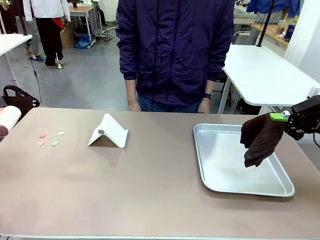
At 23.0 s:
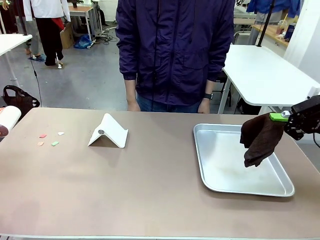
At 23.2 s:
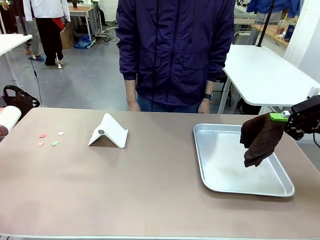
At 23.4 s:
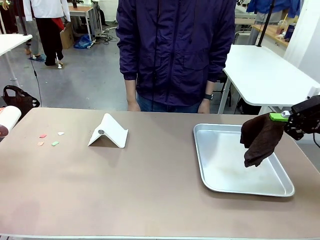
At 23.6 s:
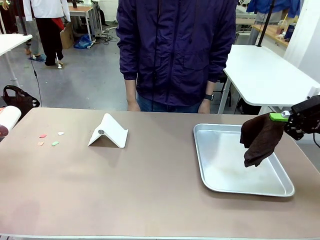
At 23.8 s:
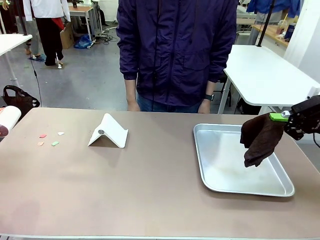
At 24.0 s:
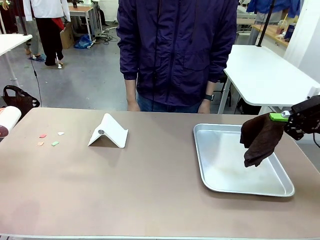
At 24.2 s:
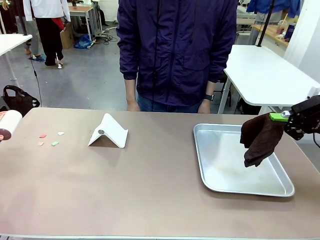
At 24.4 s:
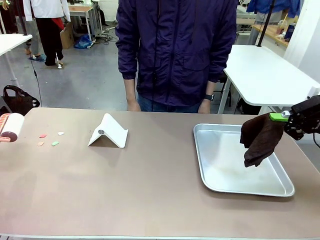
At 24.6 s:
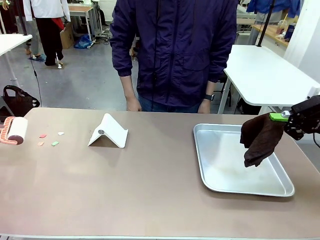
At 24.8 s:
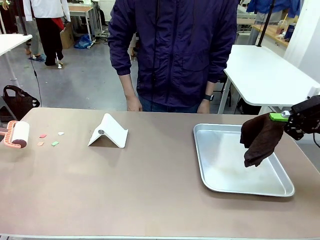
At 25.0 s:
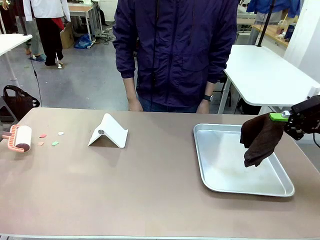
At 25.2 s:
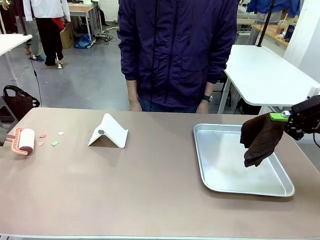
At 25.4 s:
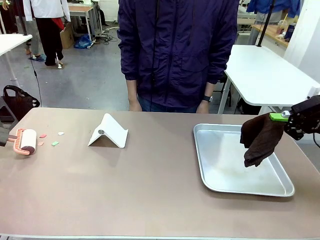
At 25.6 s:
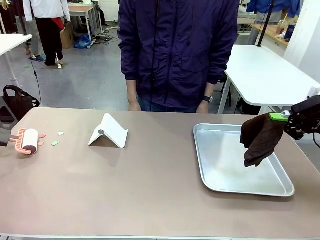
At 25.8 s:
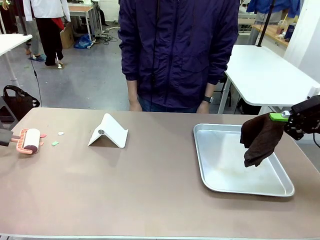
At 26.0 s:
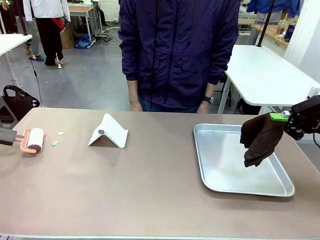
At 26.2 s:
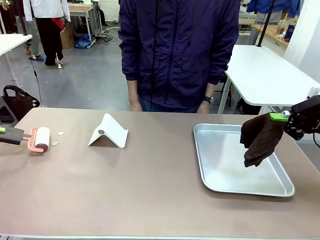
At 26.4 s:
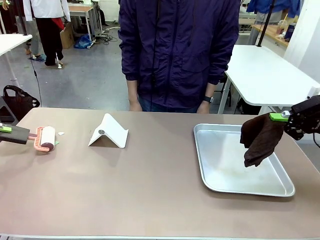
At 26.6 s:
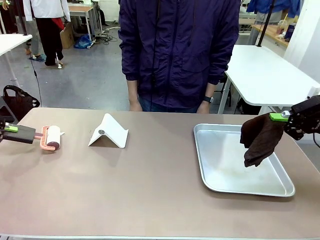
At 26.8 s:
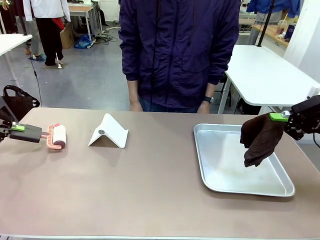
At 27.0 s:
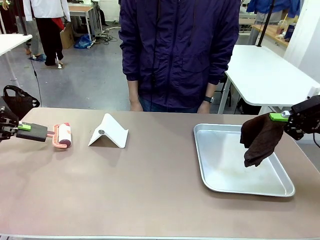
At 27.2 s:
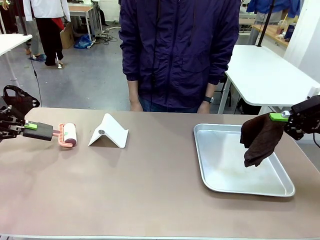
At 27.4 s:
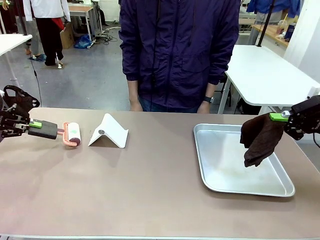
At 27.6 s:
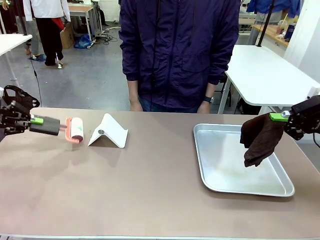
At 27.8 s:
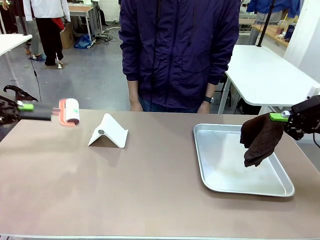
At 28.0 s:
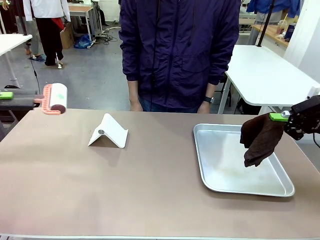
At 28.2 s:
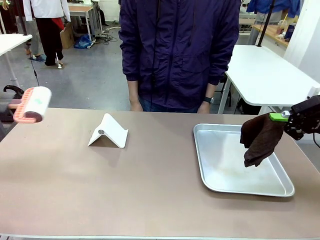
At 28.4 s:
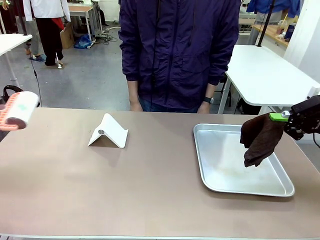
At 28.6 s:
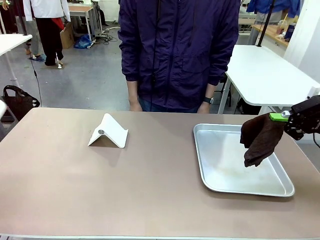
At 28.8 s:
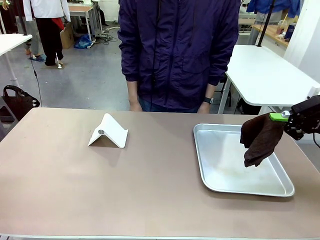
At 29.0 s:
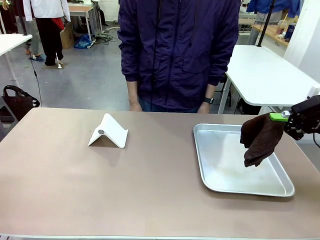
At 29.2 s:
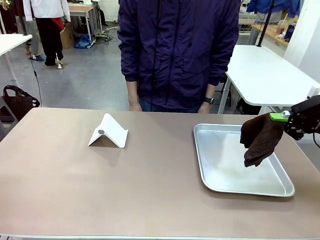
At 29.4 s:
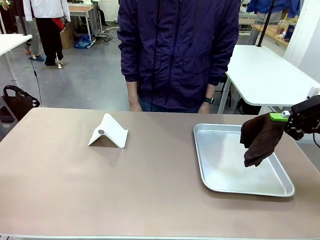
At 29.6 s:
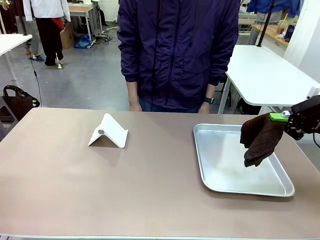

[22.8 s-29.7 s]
Task: Clean the surface of the table.
Robot: Clean the area not pointed to by the person.

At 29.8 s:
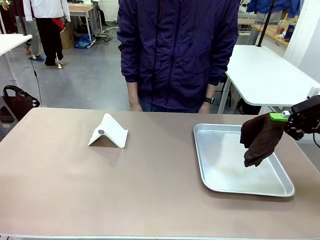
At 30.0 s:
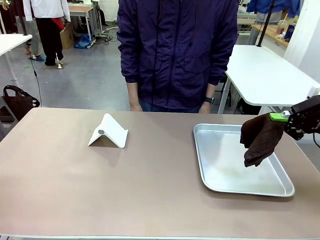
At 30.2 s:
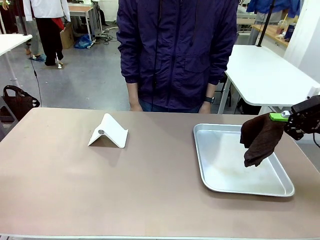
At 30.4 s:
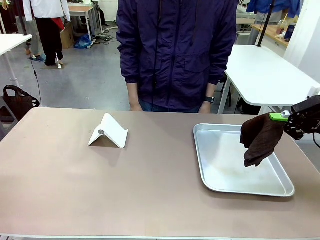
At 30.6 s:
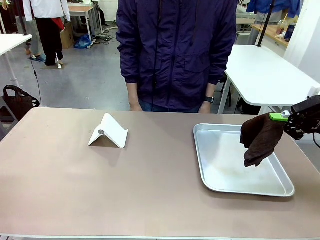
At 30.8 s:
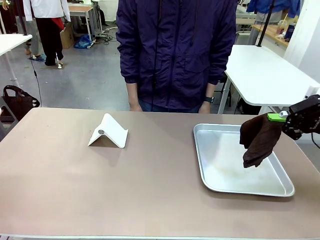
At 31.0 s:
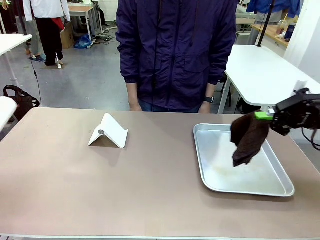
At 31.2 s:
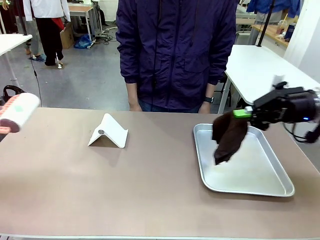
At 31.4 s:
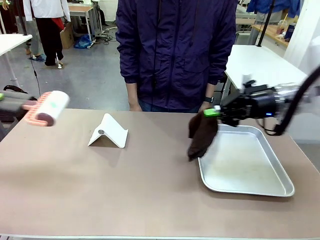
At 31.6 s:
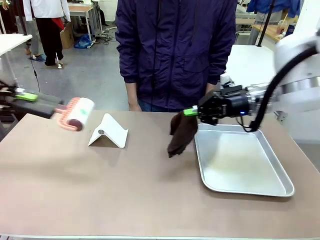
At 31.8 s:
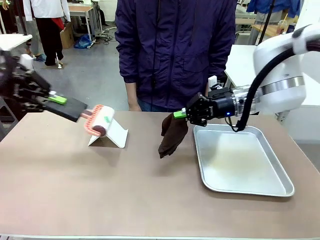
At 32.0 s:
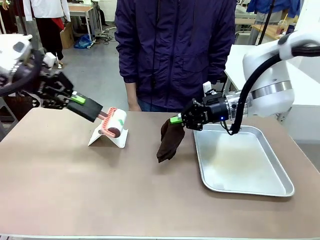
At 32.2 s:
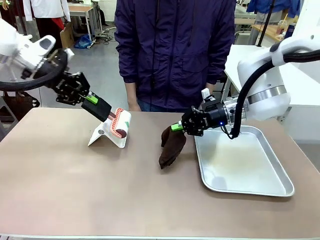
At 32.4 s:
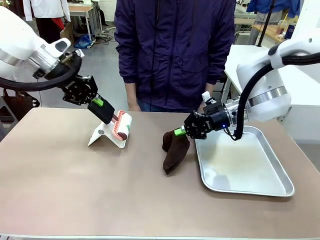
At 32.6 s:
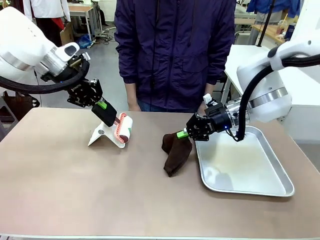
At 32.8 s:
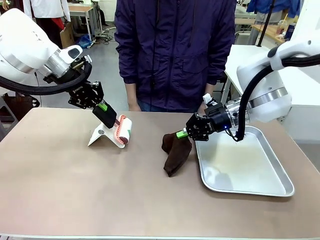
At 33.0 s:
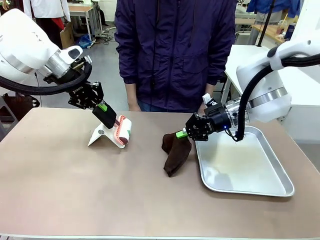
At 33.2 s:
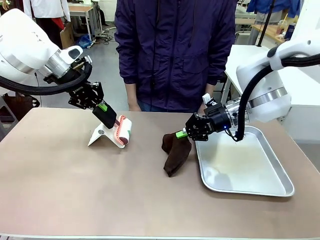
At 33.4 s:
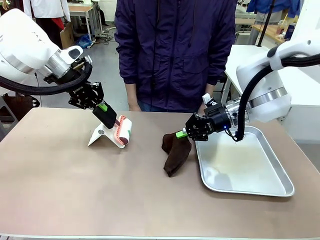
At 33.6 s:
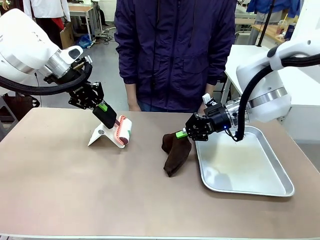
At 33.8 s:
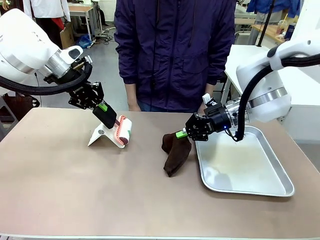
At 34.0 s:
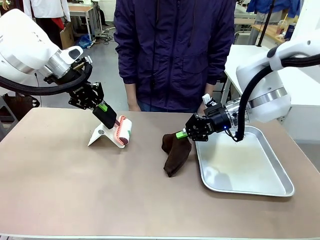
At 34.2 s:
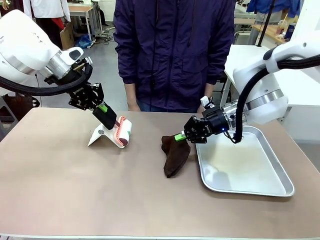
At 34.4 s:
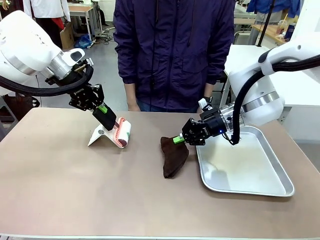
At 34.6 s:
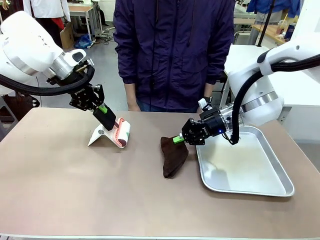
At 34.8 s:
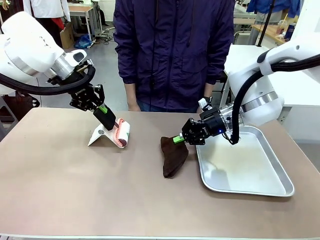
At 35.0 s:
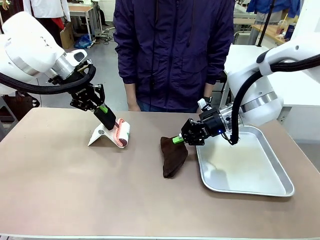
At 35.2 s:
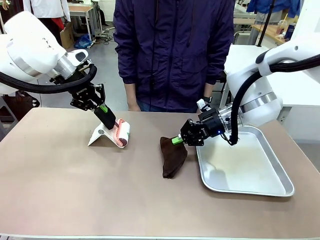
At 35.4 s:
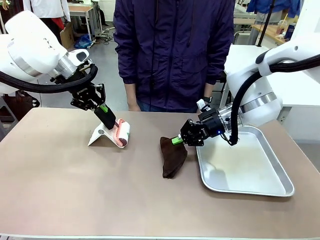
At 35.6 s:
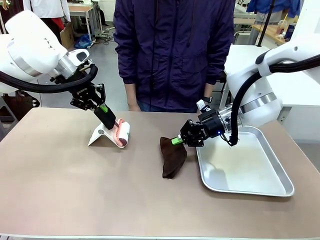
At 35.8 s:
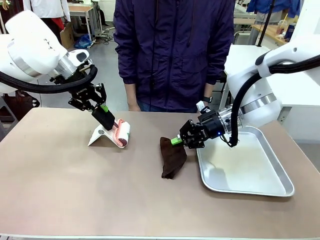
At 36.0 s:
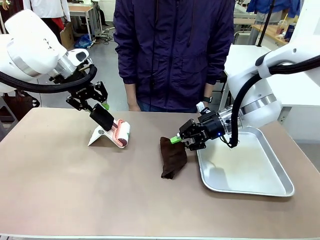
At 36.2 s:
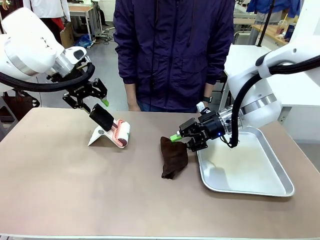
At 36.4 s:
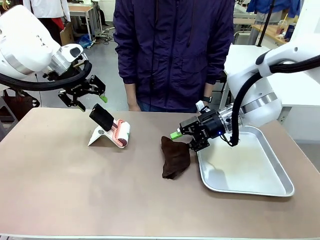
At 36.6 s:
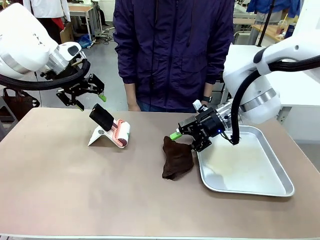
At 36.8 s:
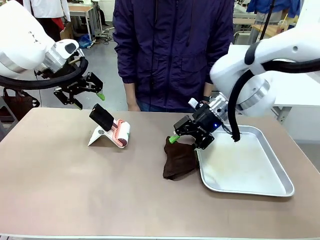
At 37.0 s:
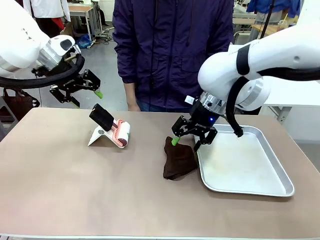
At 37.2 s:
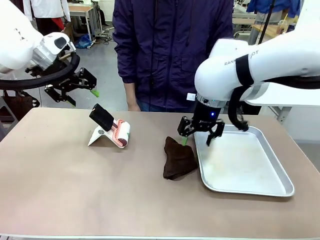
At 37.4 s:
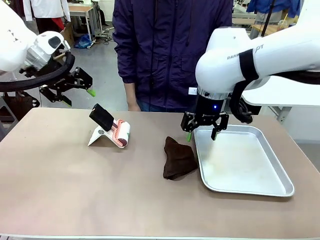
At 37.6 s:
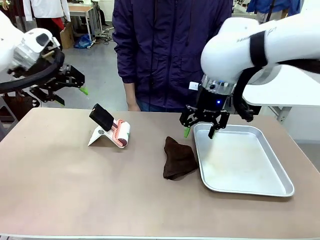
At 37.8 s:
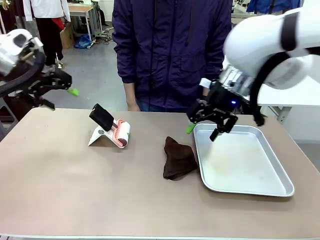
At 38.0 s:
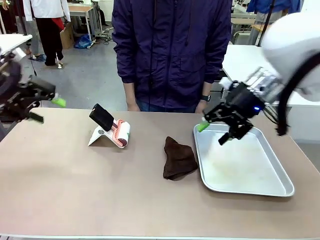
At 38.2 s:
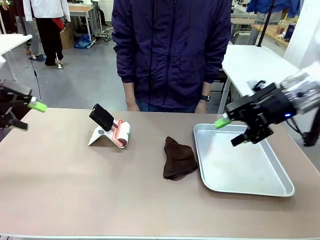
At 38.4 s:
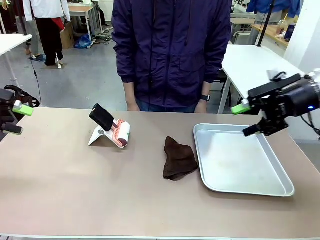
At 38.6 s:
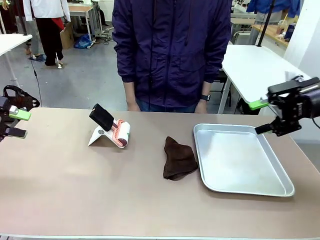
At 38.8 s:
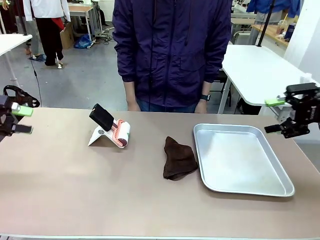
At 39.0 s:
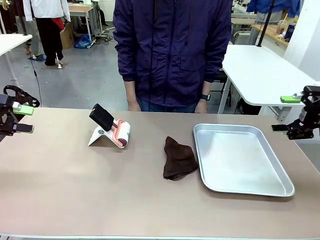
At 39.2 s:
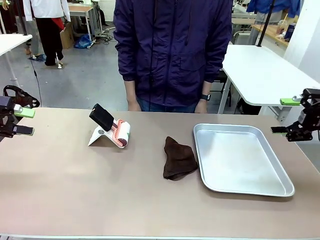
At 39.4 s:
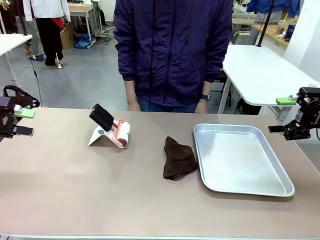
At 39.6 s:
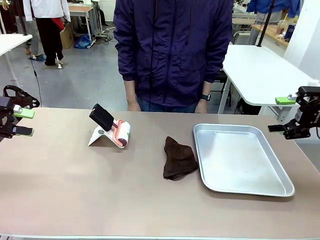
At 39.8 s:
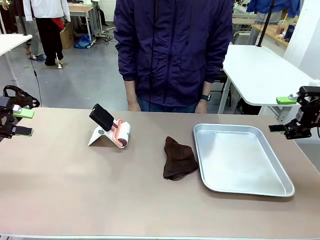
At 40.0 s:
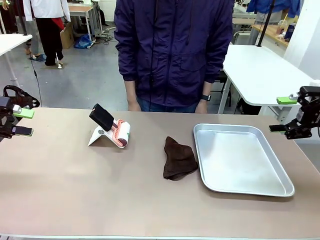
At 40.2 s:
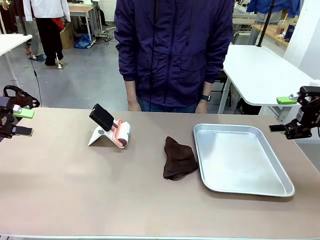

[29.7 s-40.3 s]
Robot: Return the Lint Roller and towel to their original positions.
